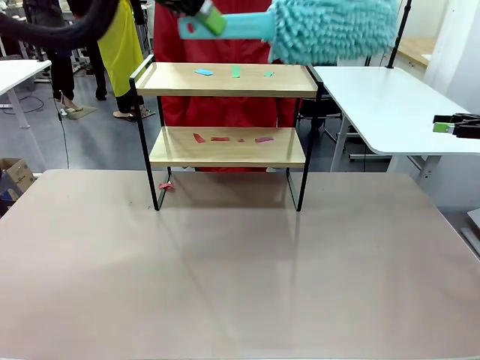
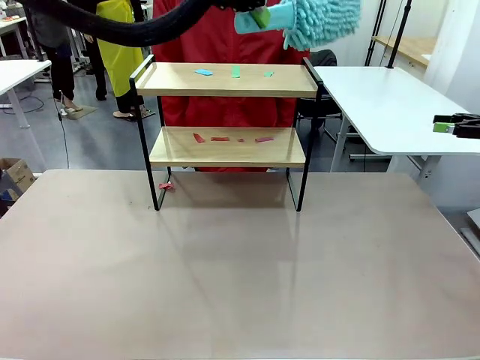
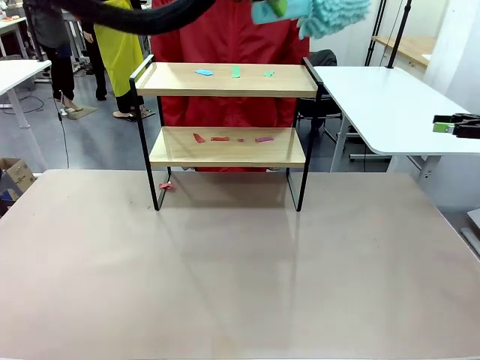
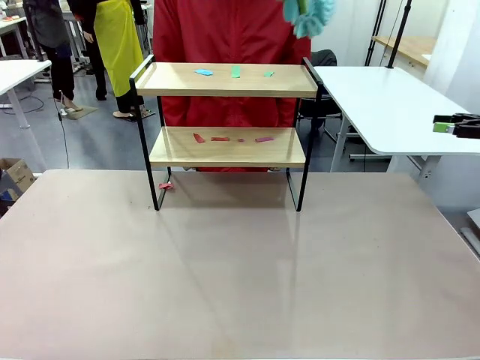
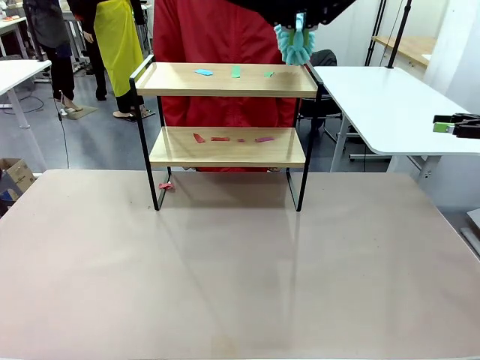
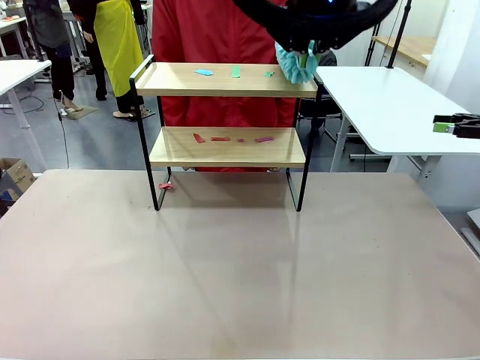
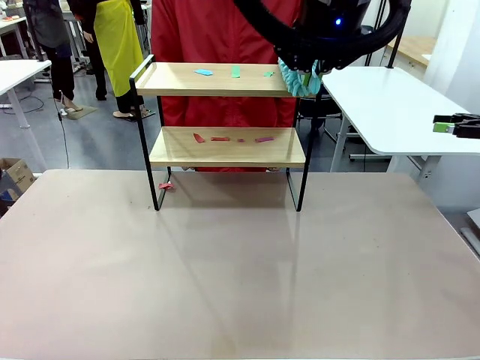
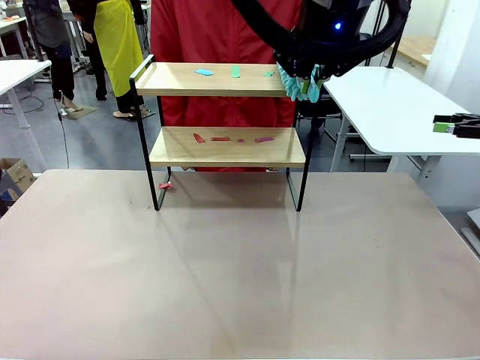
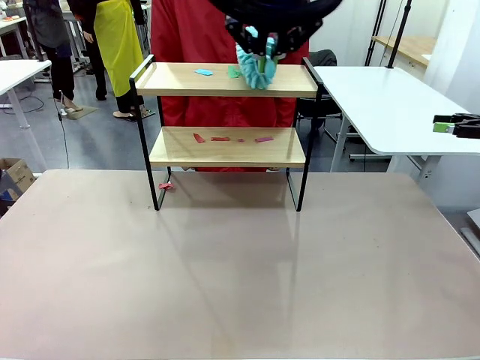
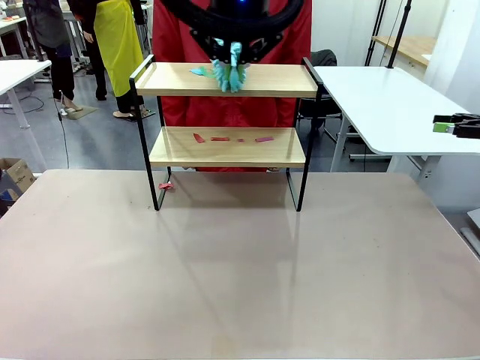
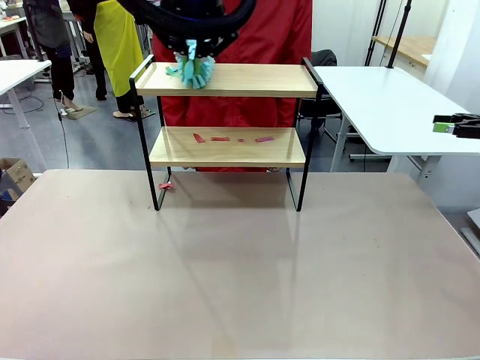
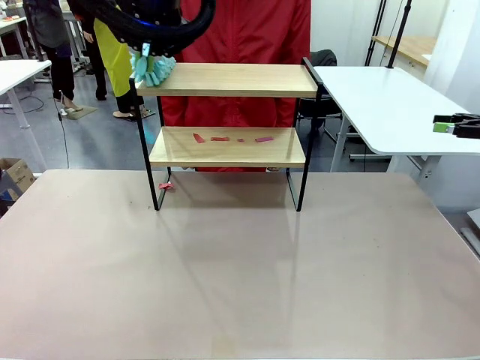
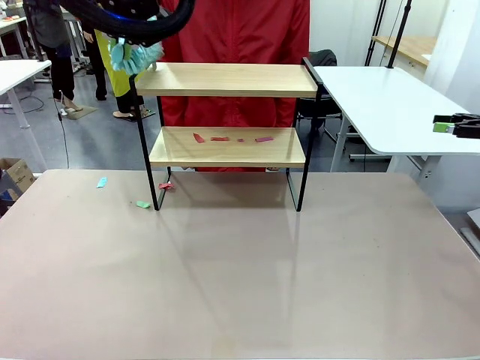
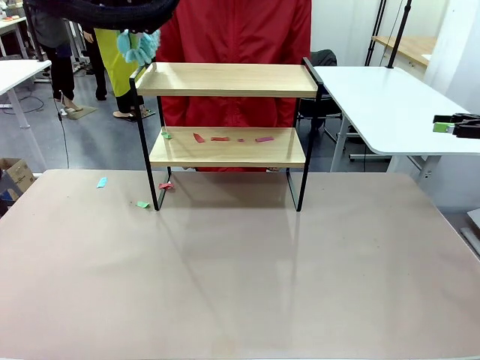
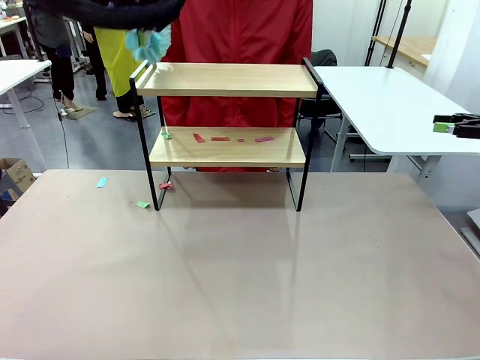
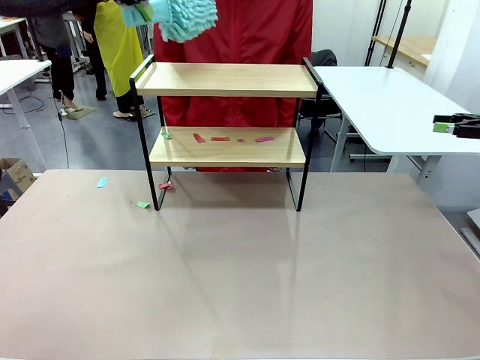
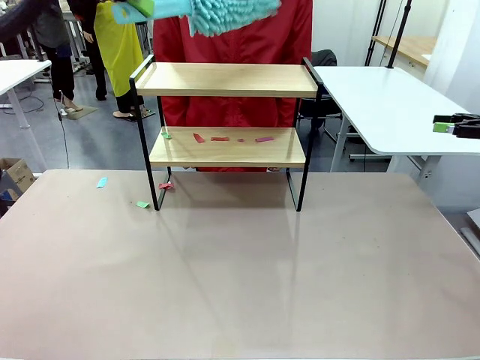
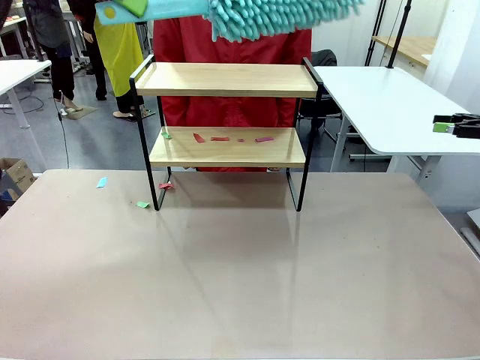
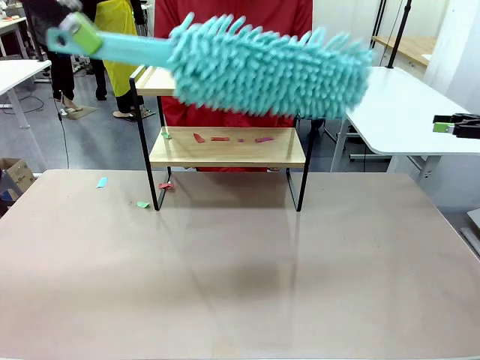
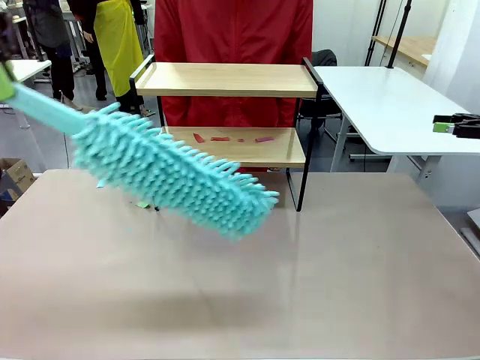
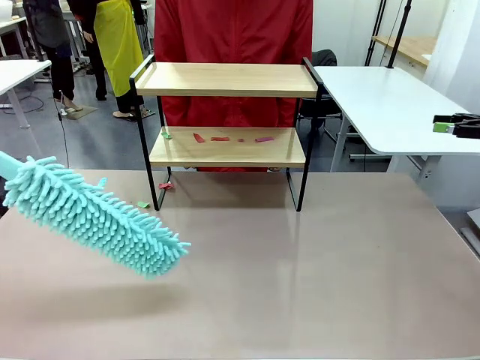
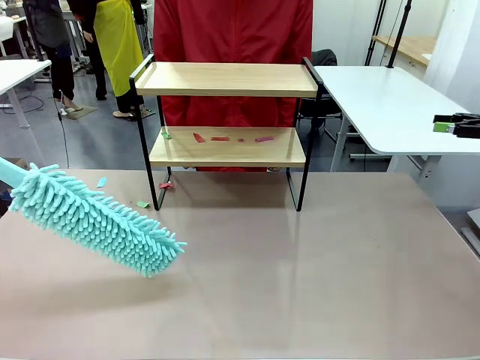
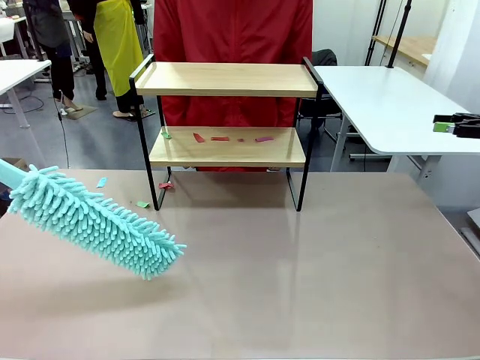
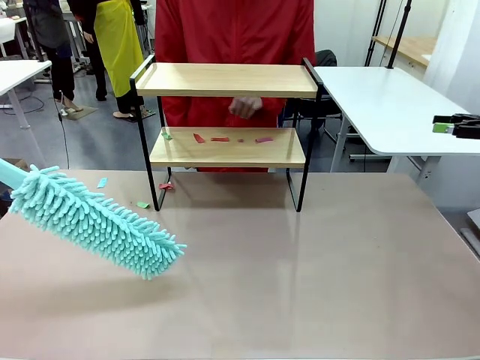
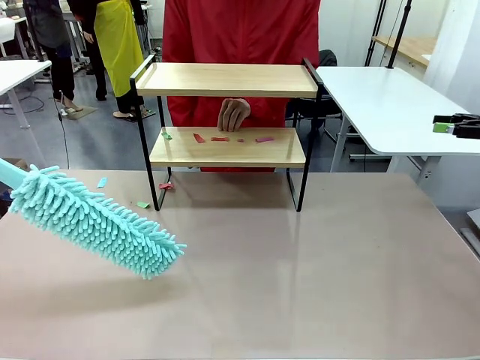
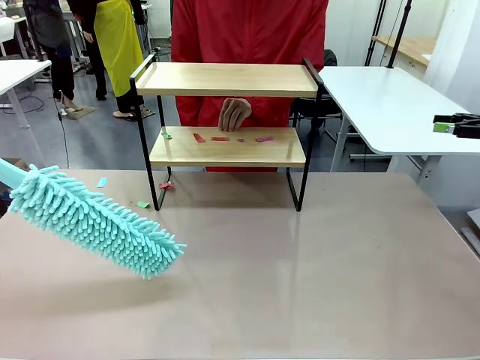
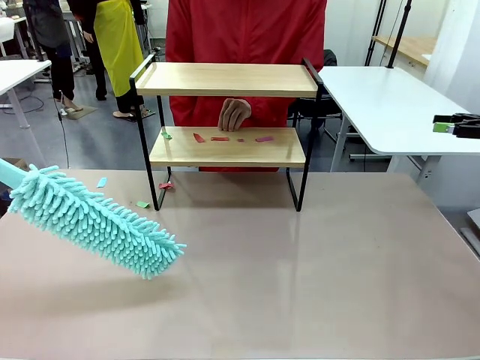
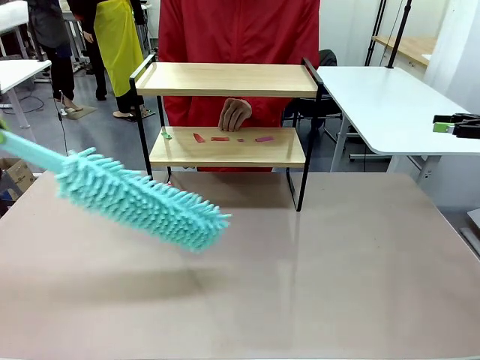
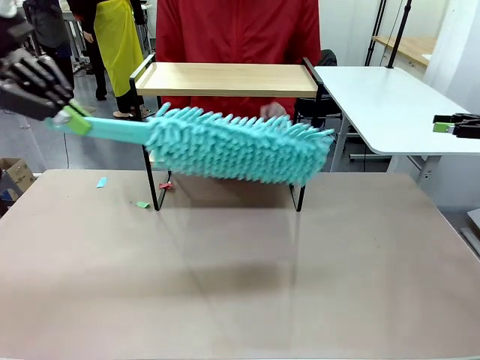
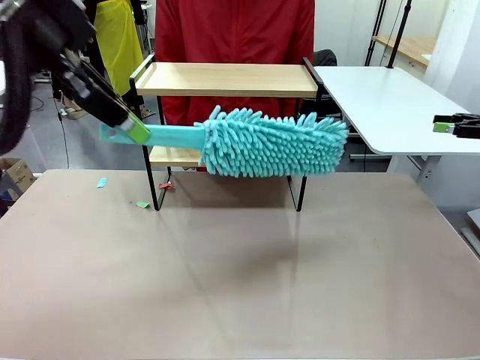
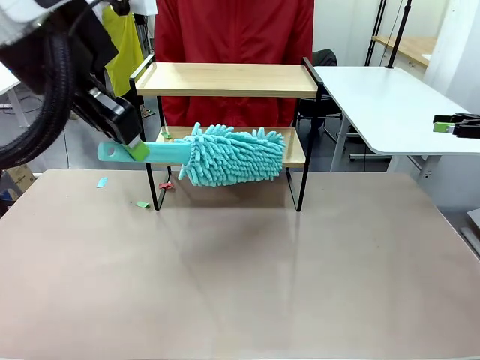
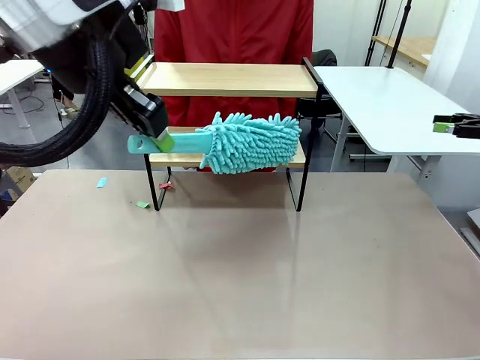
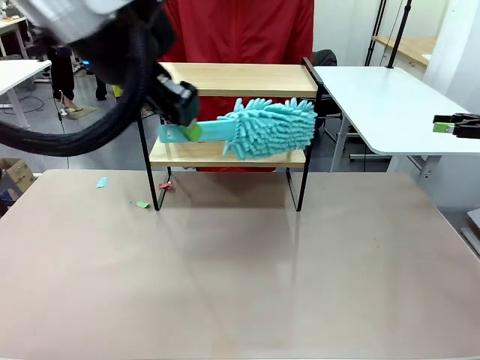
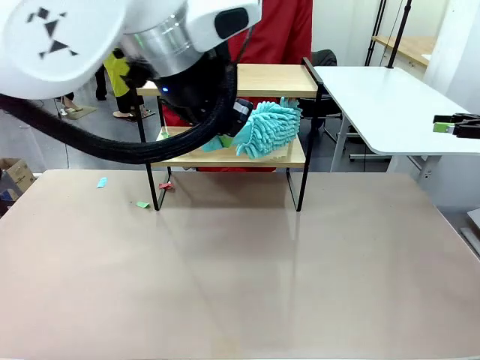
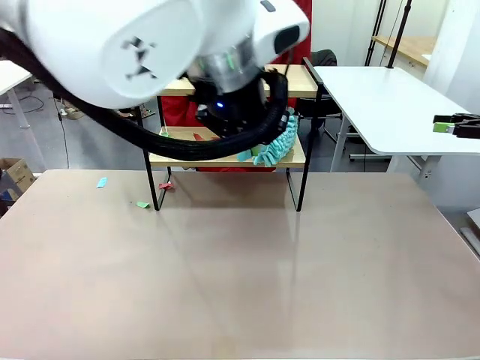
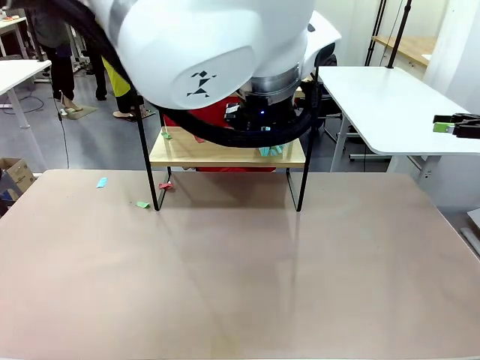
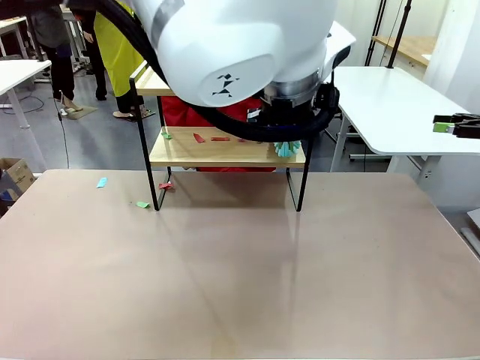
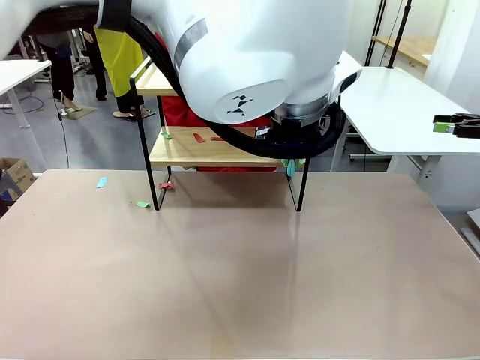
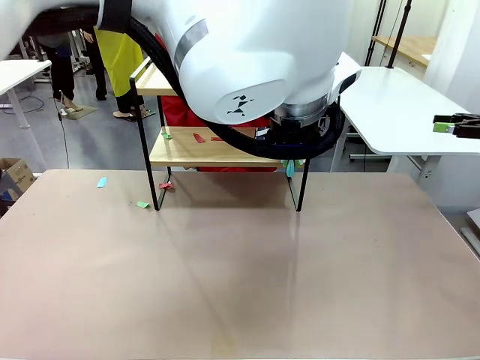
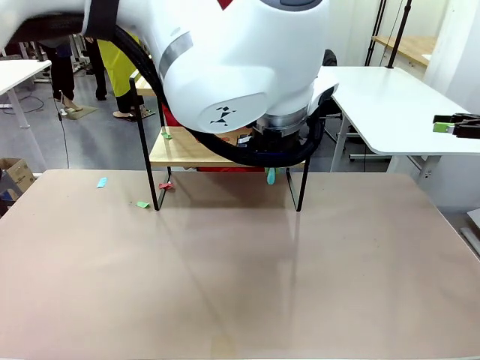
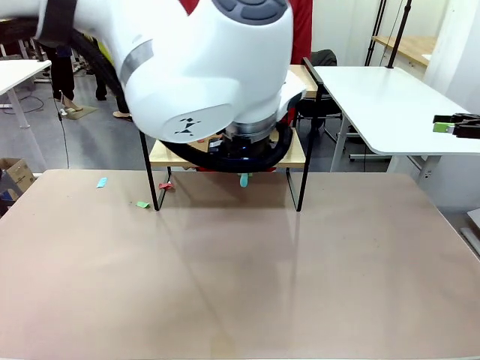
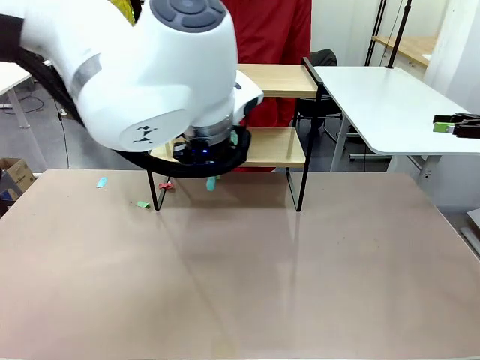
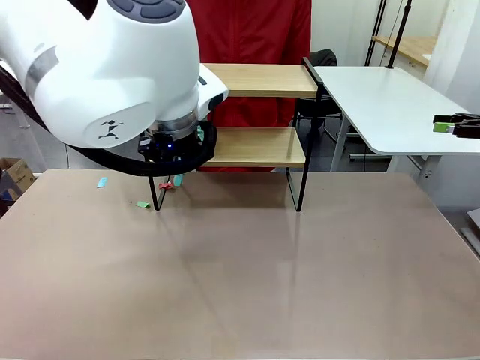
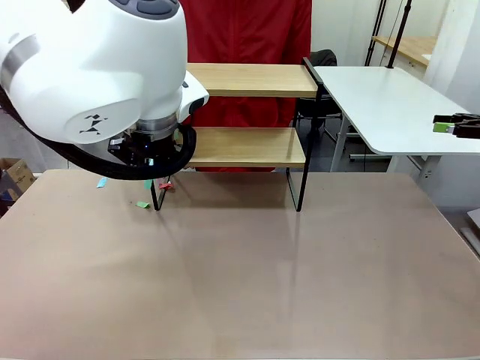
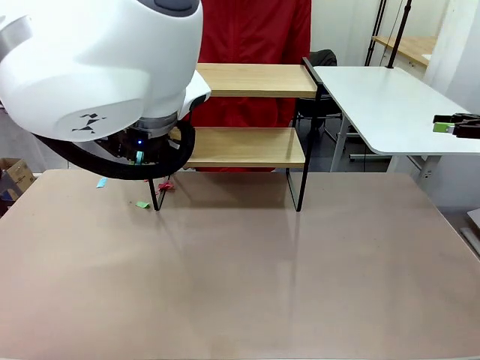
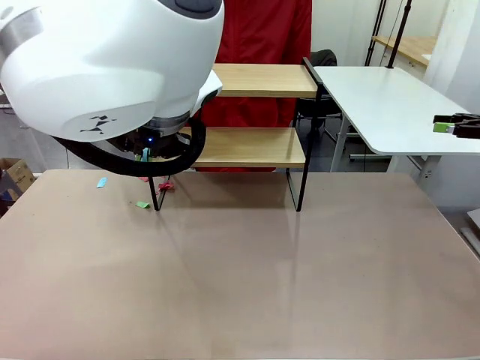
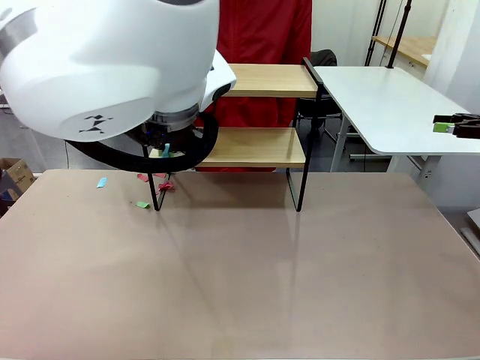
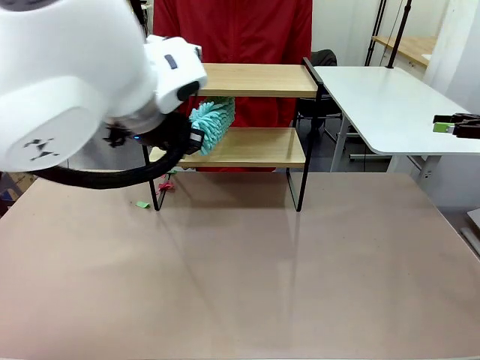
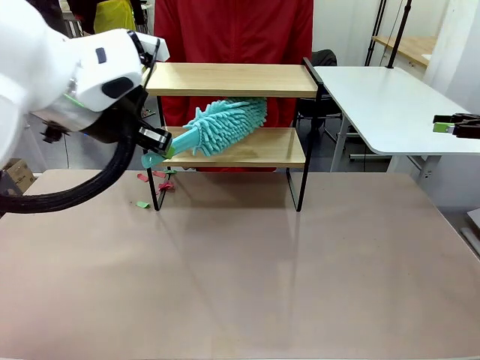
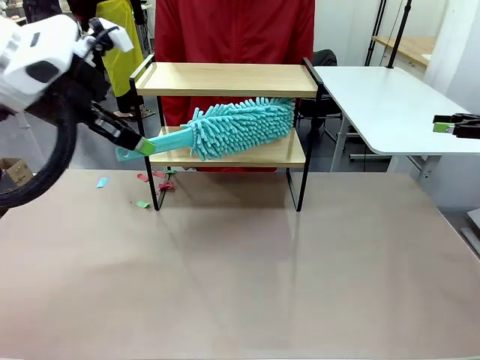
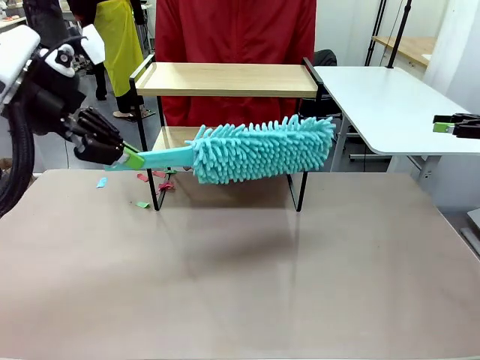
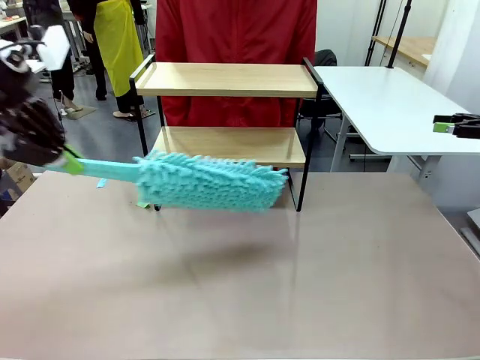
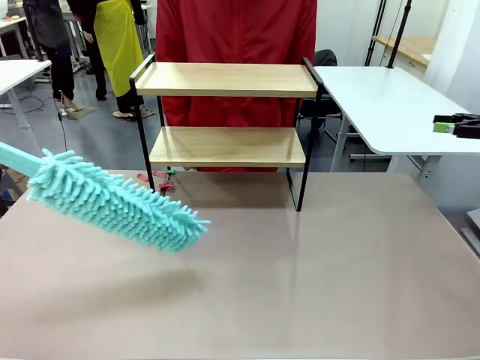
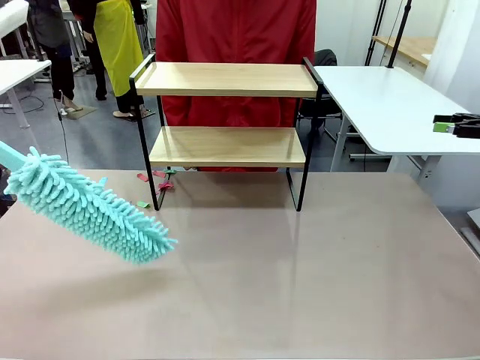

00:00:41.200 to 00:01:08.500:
Task: Clean the shelf.
Robot: Clean the specific section of the Shelf indicated by the human with the Duster.
Person: Point a remaining section of the Shelf.
